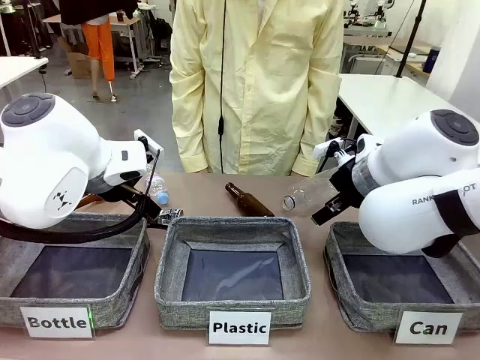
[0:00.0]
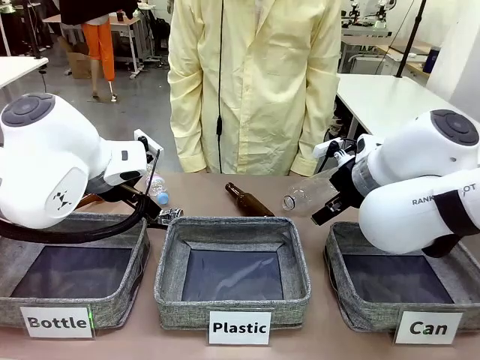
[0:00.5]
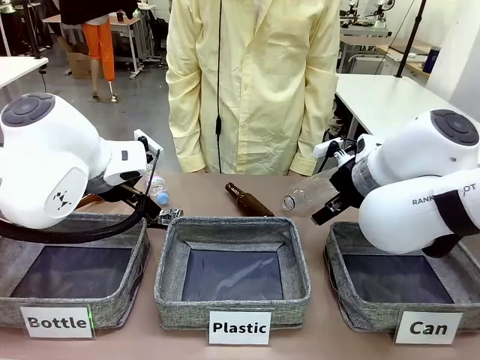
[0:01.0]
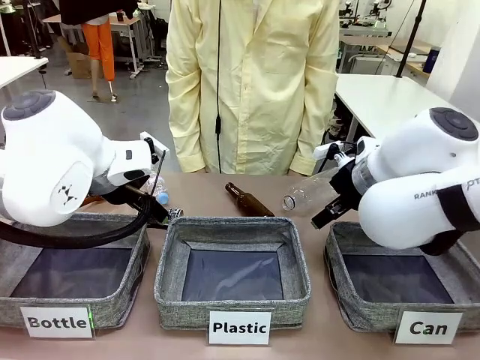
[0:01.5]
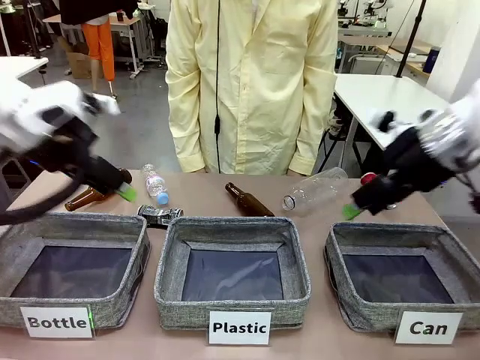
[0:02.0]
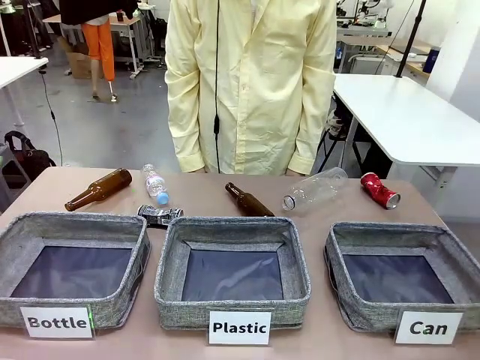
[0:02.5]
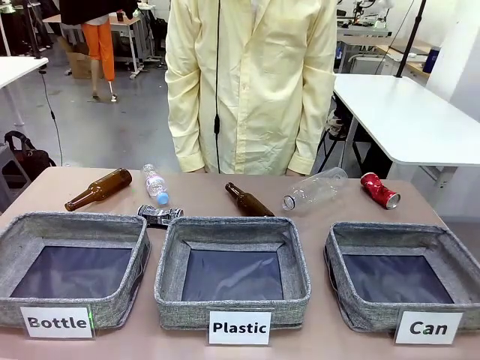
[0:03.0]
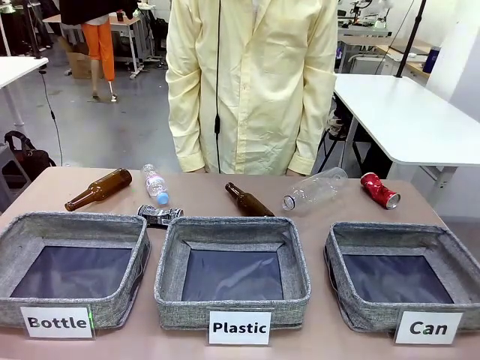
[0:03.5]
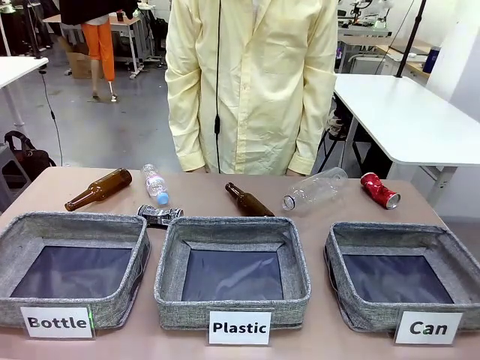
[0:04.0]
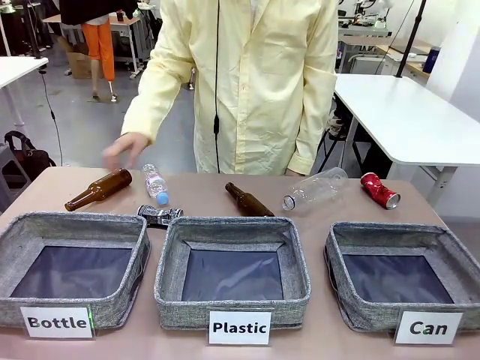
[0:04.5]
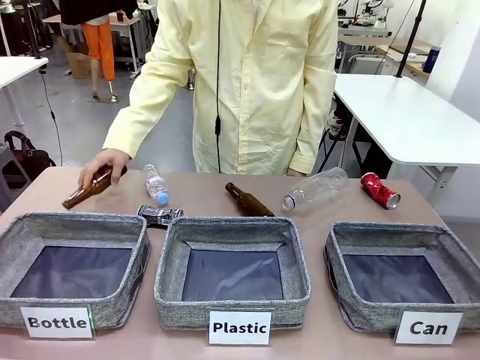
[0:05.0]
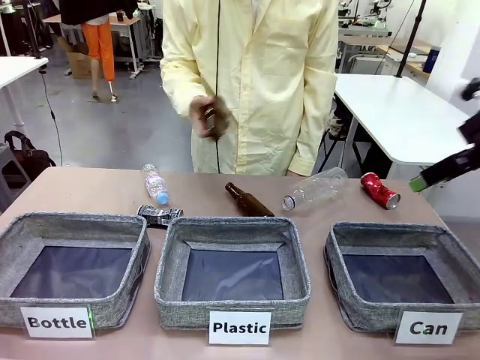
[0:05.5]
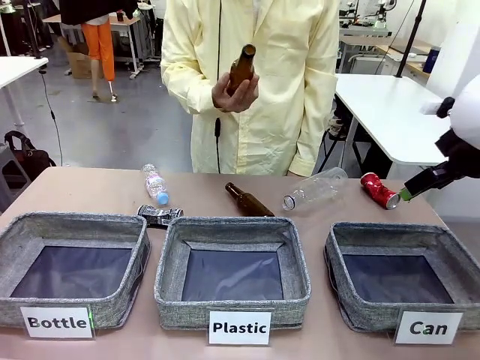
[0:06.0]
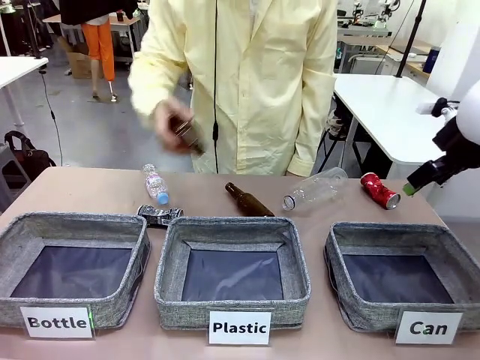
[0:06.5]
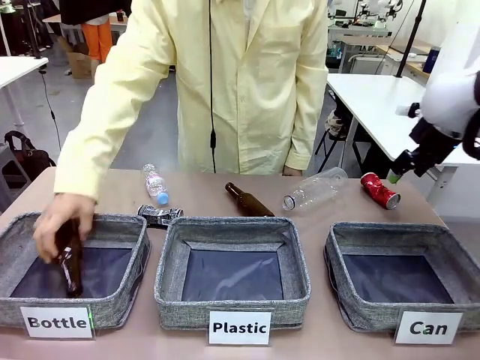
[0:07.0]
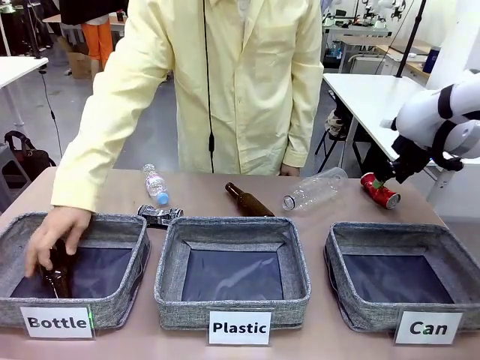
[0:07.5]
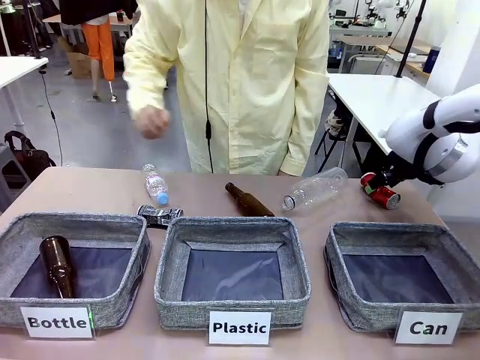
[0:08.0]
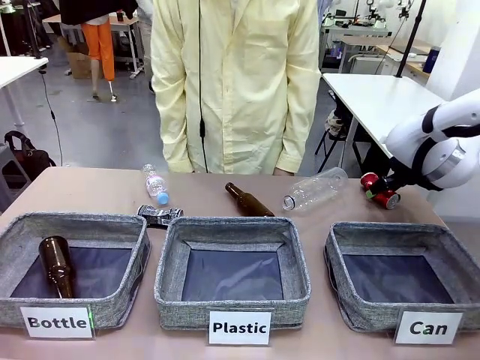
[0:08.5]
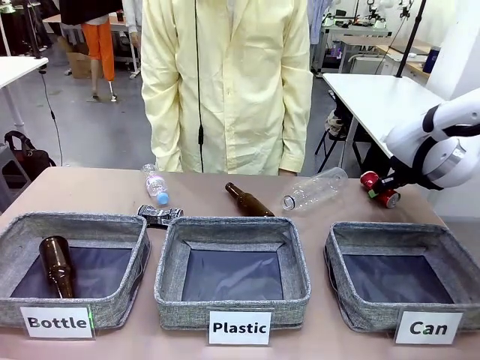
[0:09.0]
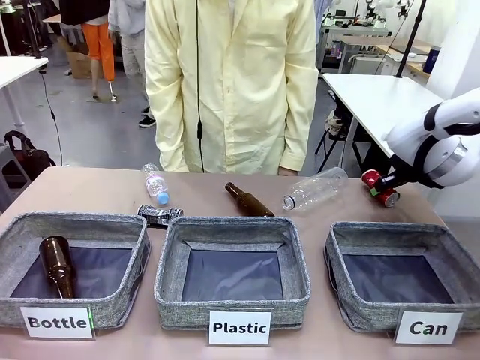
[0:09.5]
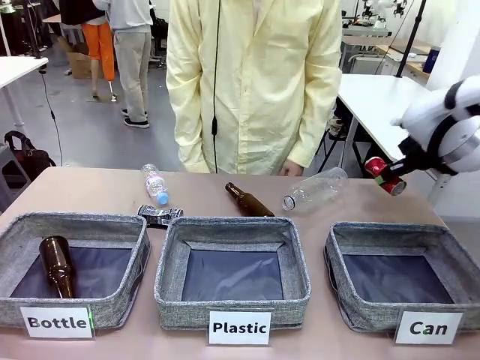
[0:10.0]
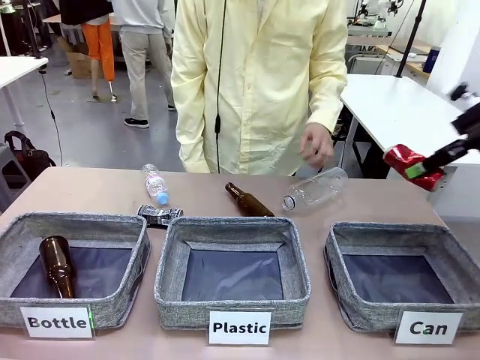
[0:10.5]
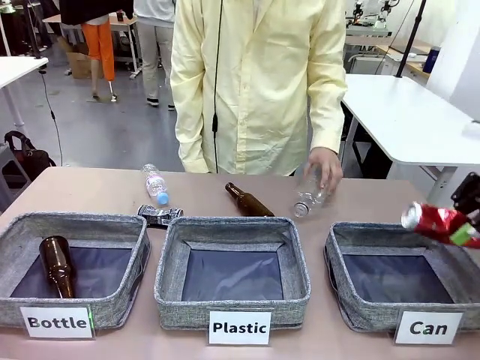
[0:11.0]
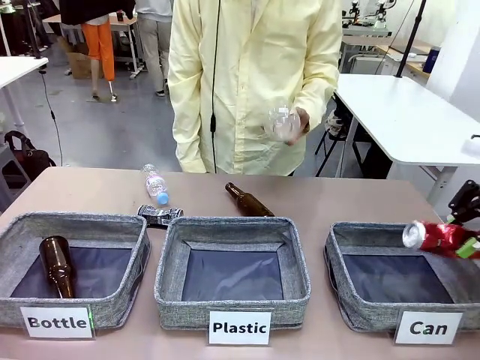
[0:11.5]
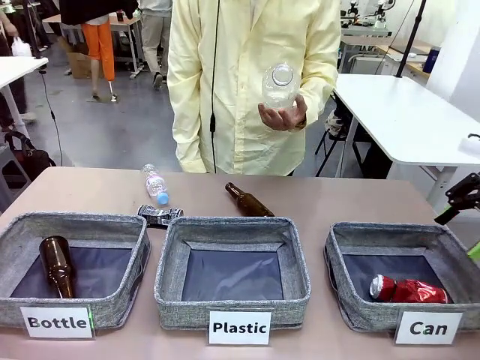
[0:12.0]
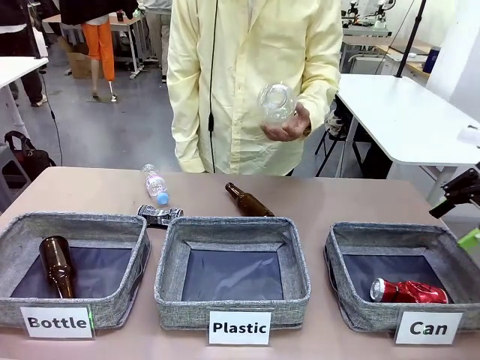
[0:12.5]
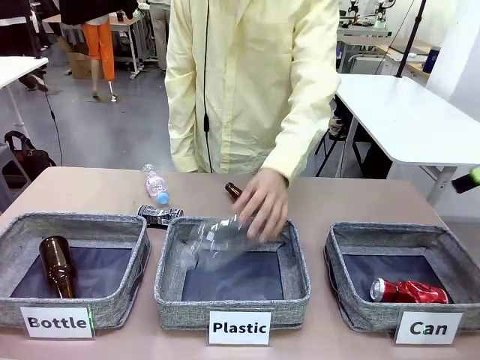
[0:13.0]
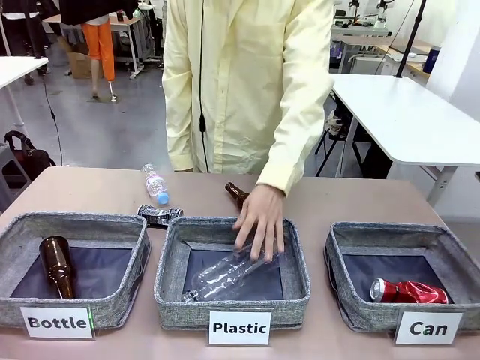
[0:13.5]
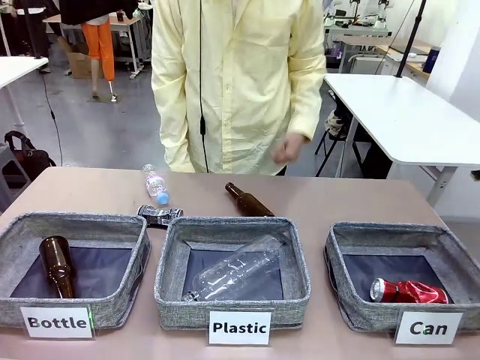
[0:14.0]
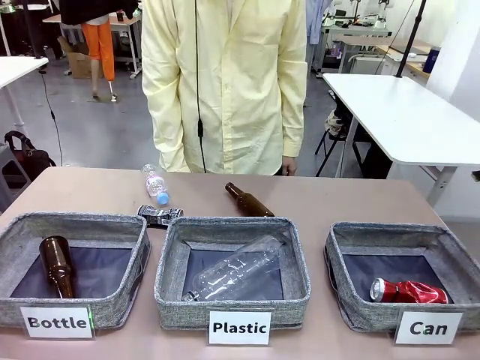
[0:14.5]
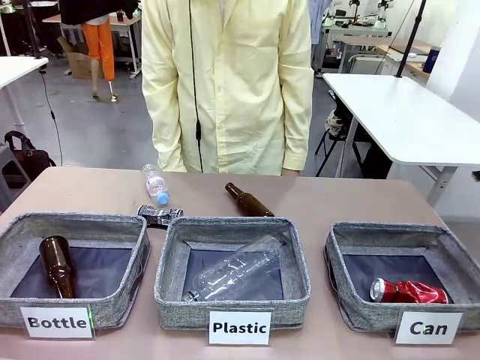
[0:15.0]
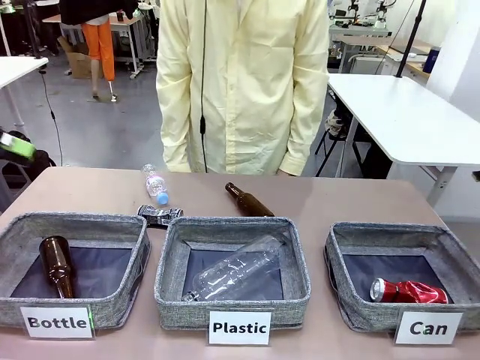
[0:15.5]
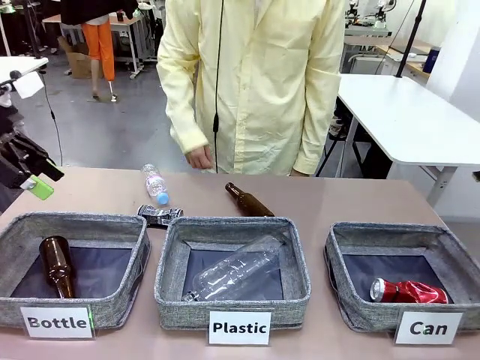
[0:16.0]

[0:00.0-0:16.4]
Task: Sort the can waste into the basket.
Robot: Pick up the can waste from the table and place it in the right Fabric basket.
